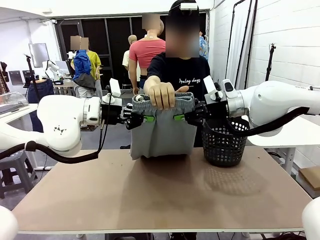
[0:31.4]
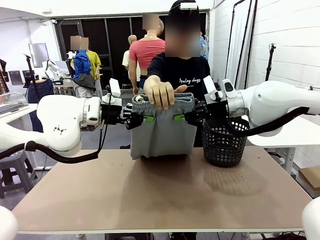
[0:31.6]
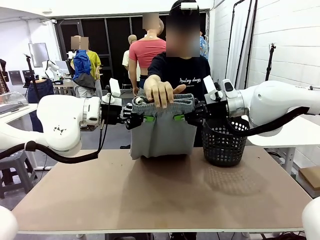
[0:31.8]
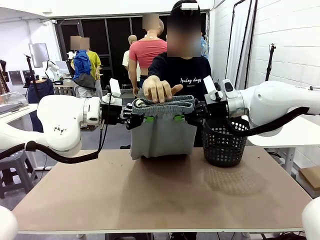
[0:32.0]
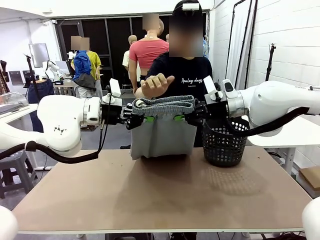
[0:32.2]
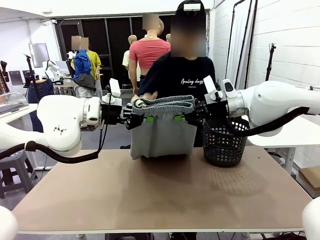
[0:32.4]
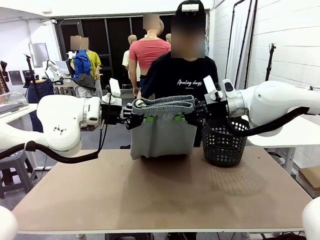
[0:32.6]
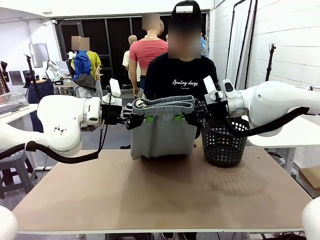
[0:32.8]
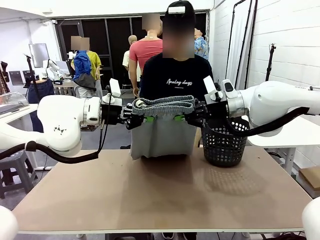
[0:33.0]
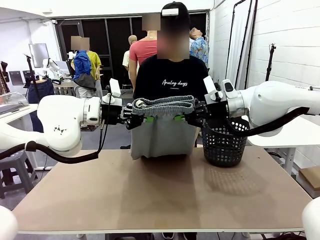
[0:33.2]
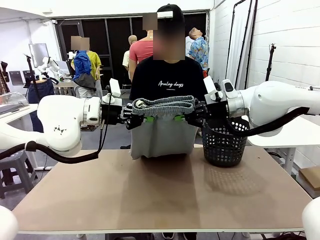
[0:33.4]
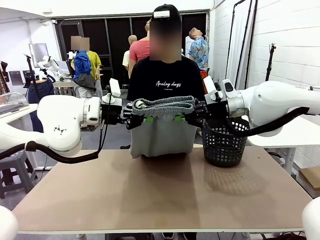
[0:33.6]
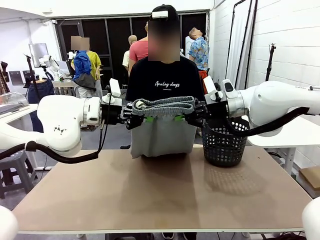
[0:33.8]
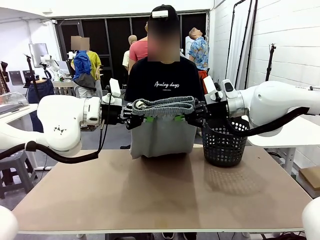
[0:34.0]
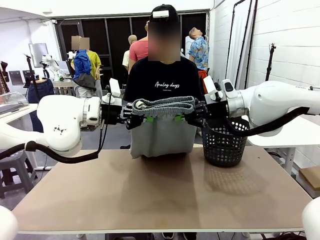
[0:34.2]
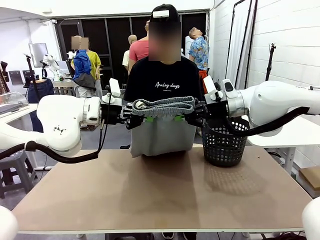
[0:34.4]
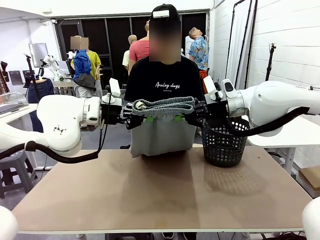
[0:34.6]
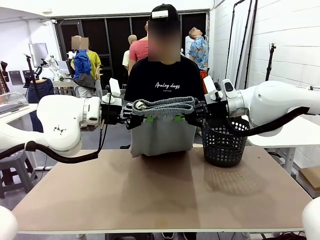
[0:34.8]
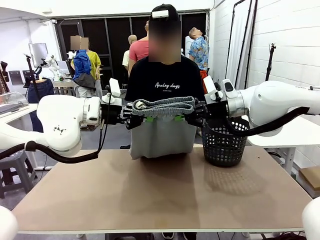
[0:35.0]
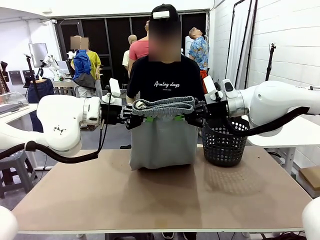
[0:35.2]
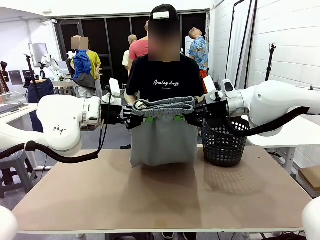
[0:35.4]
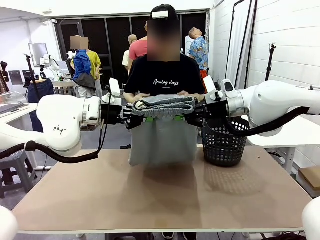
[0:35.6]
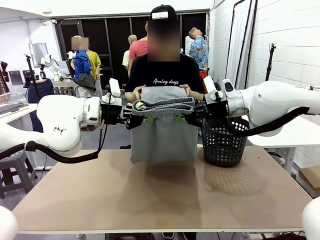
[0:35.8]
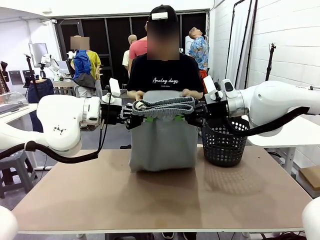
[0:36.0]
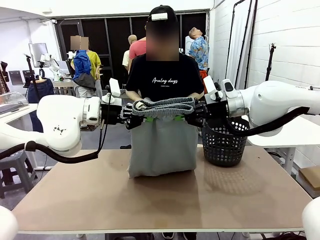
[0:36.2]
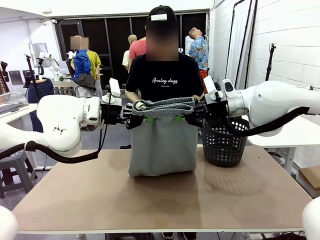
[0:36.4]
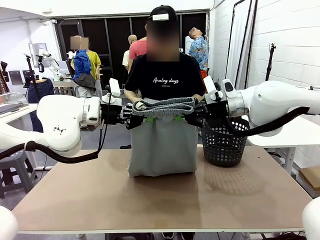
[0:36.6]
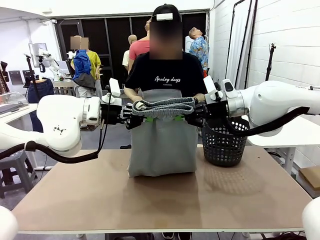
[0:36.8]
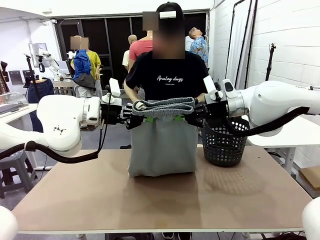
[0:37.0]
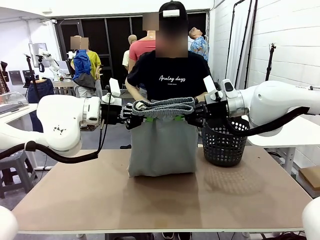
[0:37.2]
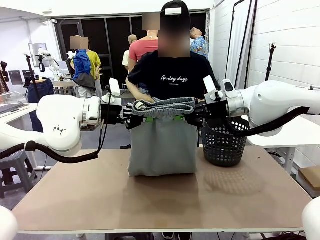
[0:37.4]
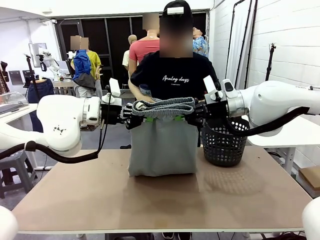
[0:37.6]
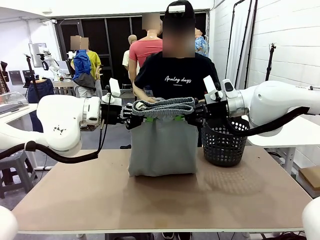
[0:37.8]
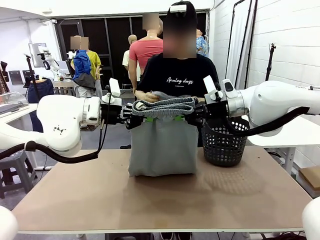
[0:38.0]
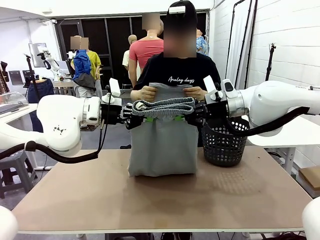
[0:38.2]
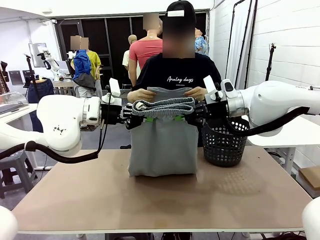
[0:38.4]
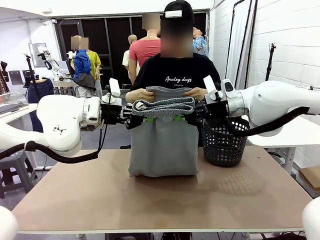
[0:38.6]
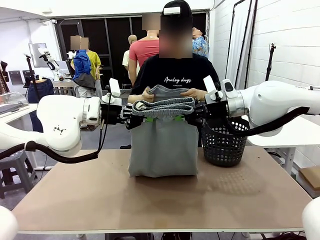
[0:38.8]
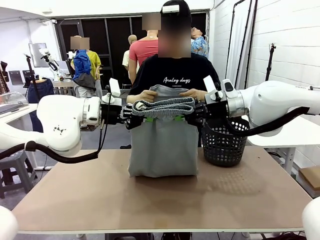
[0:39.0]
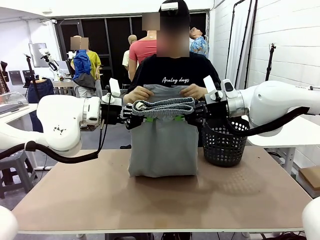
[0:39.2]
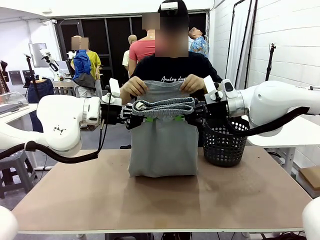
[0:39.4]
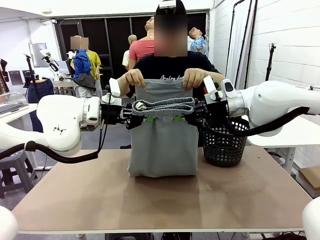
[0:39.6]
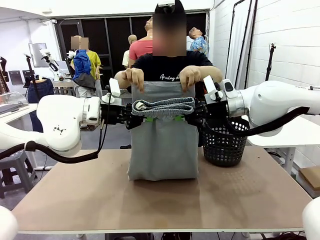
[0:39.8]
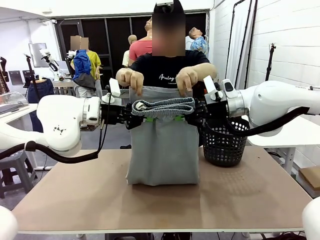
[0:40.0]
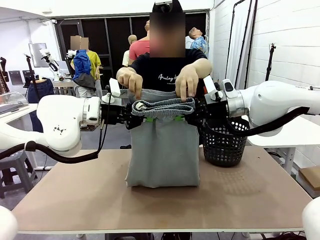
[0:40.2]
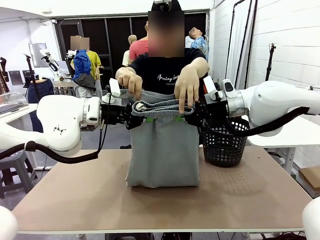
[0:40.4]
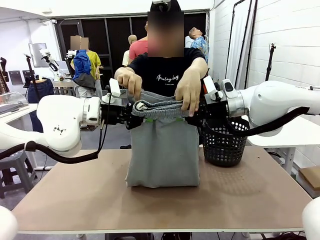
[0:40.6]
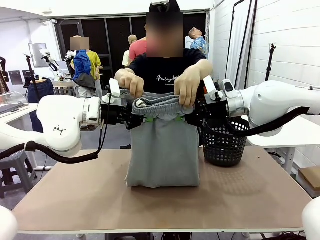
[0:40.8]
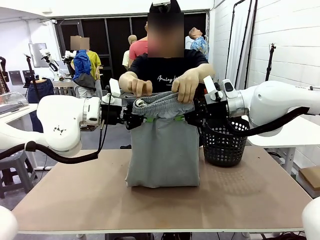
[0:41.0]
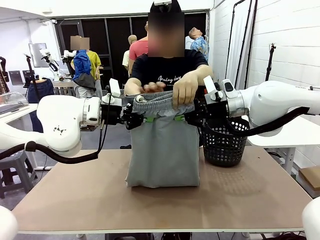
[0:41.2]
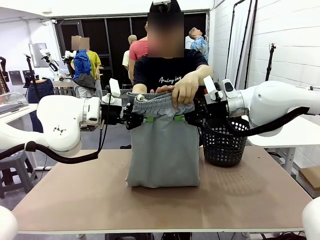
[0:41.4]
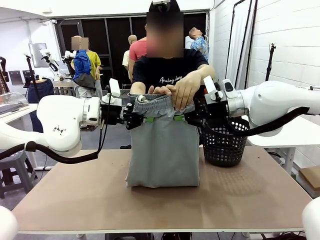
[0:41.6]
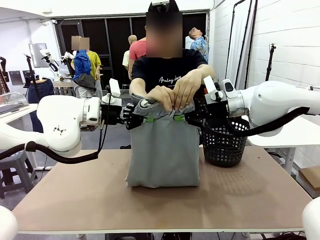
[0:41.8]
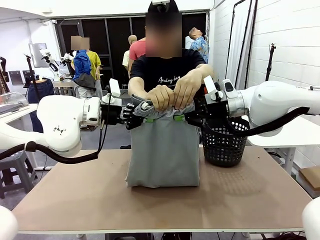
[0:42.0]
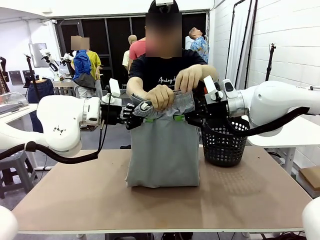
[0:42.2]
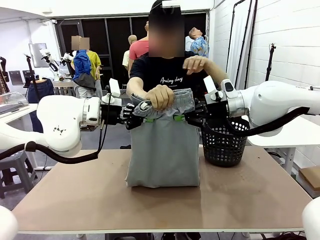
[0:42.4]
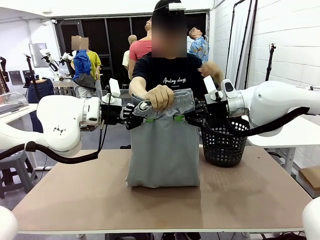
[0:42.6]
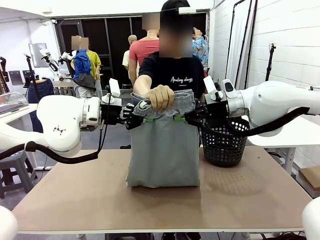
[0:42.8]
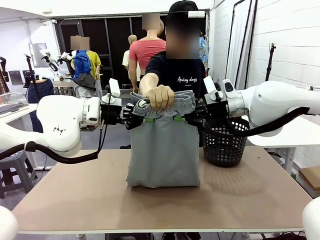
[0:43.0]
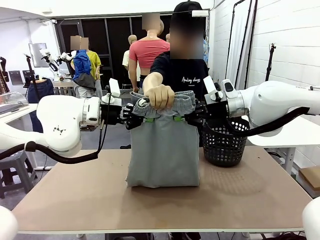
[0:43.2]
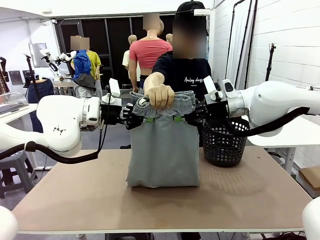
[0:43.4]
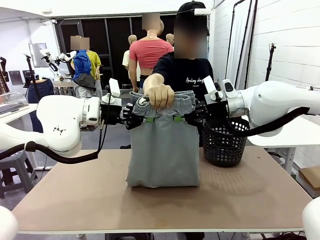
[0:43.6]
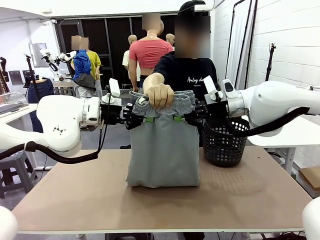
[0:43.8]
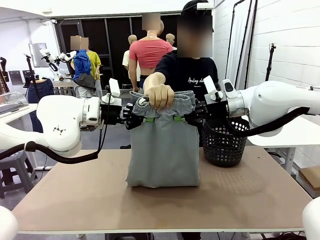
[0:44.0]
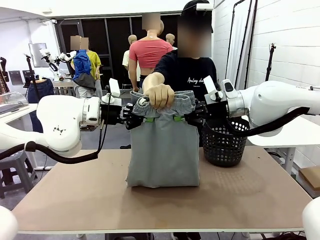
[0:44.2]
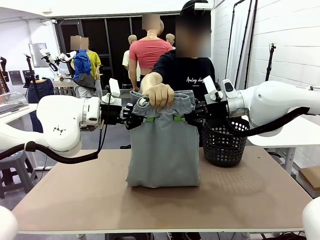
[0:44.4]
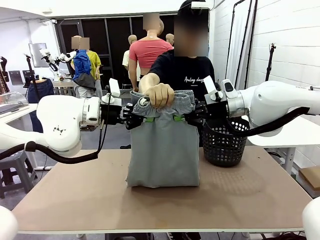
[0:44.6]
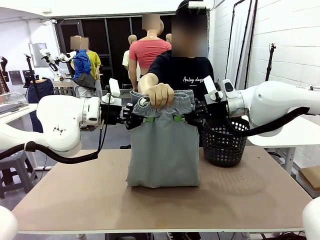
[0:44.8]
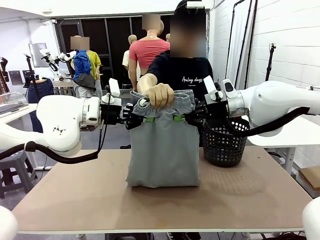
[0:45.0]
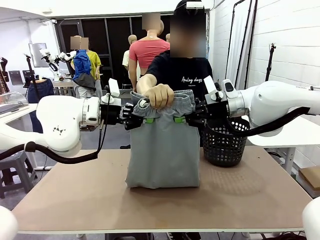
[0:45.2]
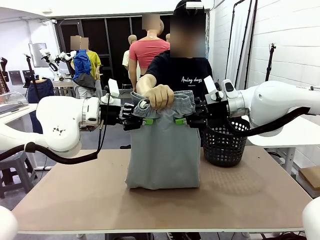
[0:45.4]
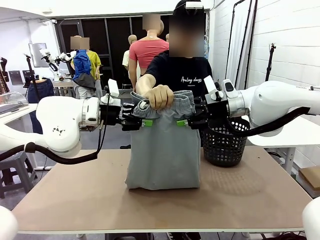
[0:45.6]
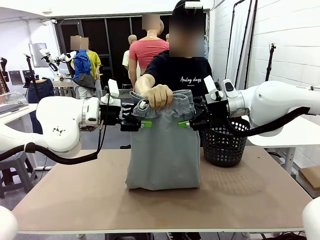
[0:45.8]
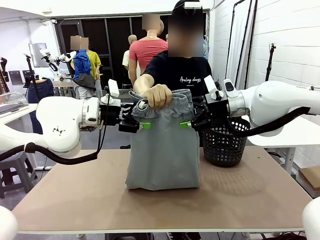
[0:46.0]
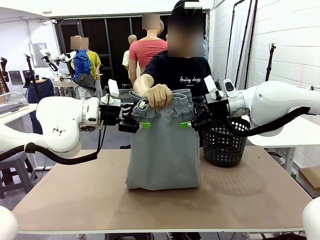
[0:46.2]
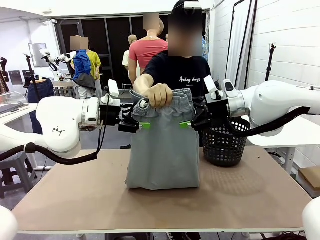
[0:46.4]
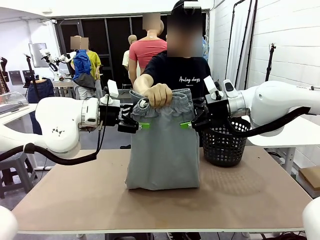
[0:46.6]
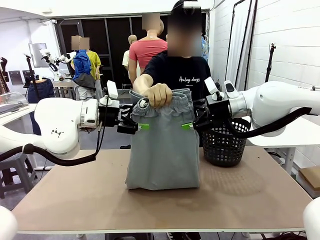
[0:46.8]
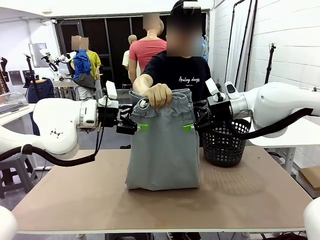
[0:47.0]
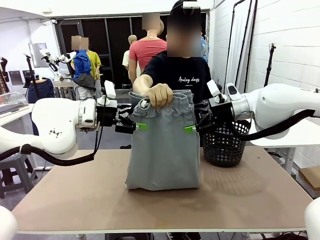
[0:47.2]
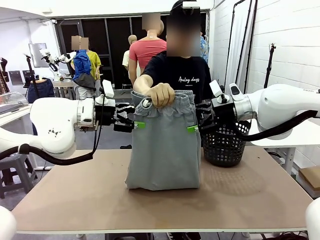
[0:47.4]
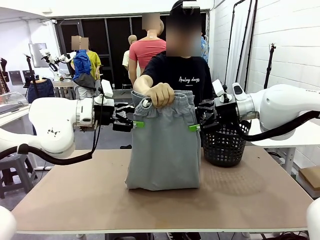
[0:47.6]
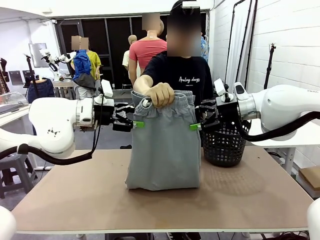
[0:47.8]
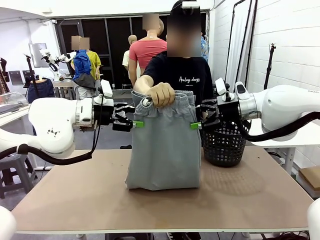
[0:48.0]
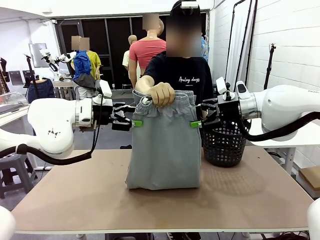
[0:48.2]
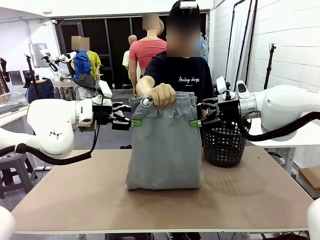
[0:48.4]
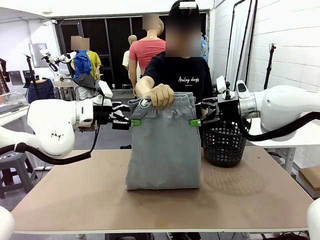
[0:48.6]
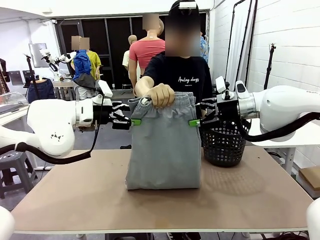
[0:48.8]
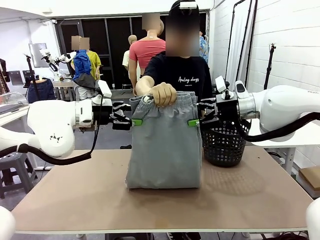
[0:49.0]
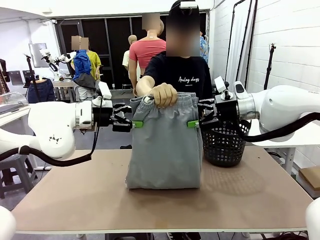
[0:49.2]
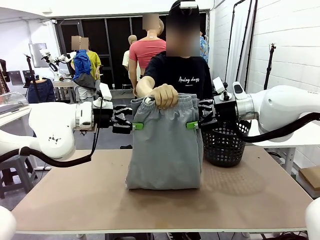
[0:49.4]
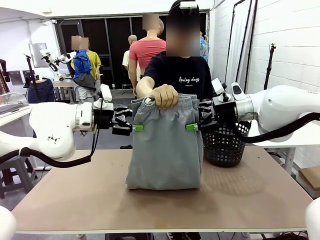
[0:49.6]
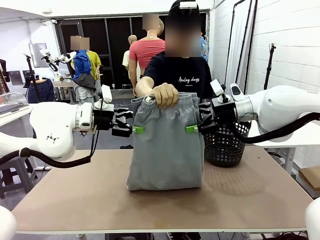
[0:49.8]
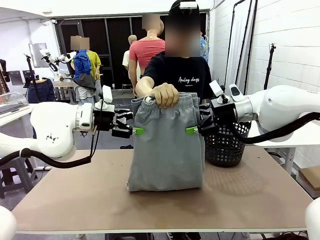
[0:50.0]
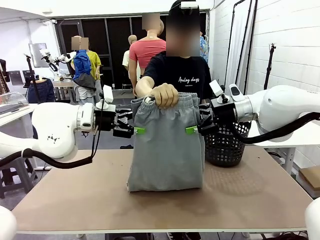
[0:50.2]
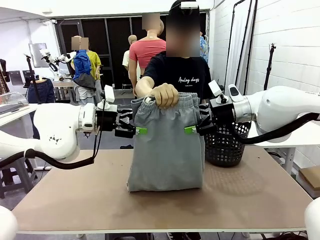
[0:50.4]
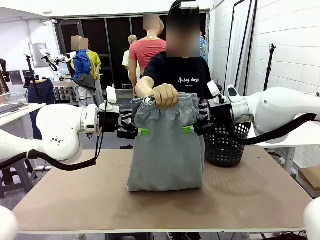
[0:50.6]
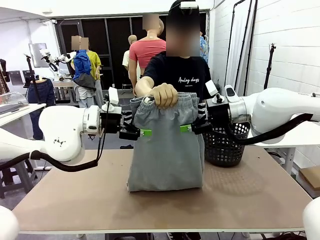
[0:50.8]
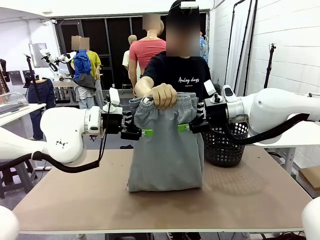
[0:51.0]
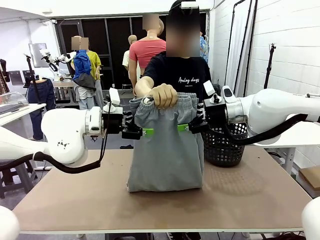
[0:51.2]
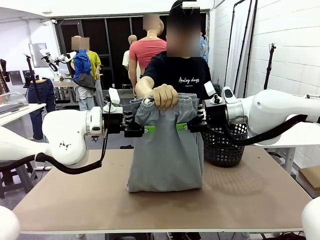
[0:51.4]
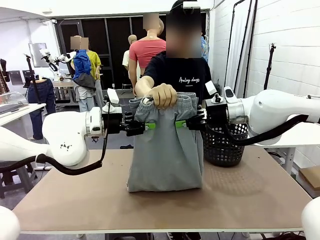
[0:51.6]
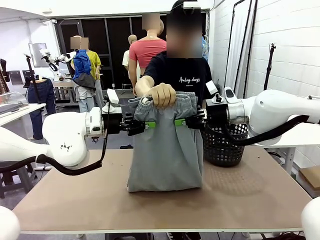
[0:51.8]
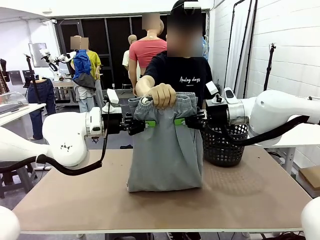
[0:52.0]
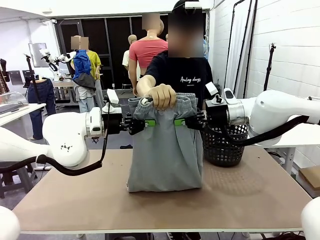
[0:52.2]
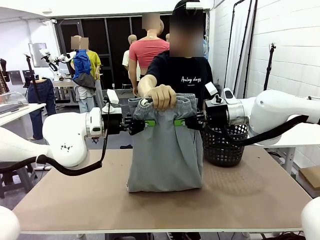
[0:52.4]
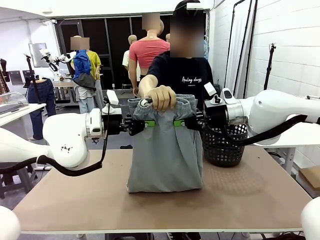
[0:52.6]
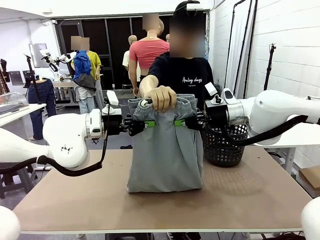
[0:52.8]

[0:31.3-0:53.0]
Task: Fold the training pants.
Robot: Release the ends of the Training pants and then grab the overlapped ends.
Person: Grasp the end opposite the point the robot is holding, fold the pants in half, and then grasp the overlapping top end of the folded pants. Release the pants you were holding.
